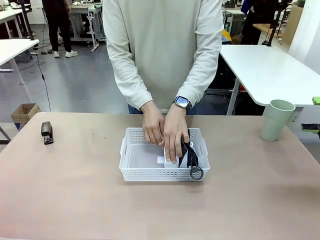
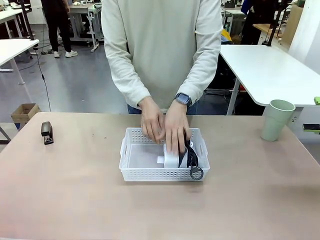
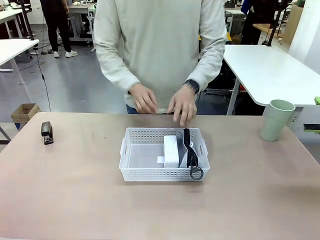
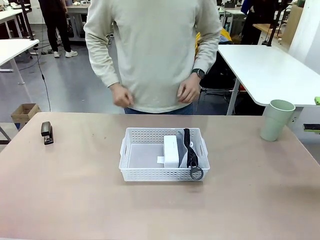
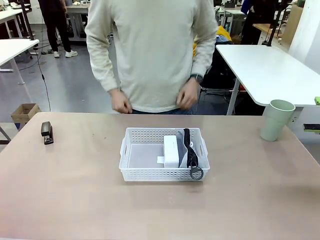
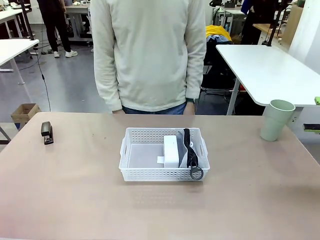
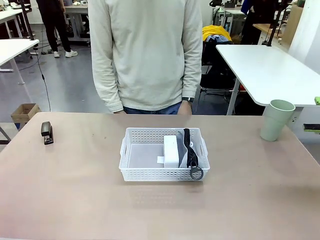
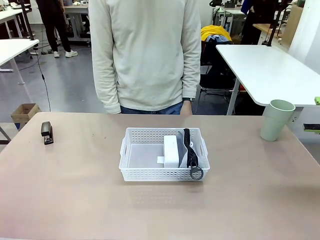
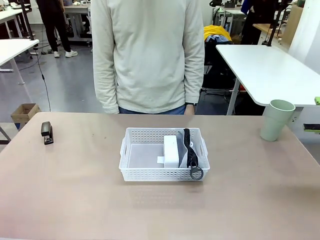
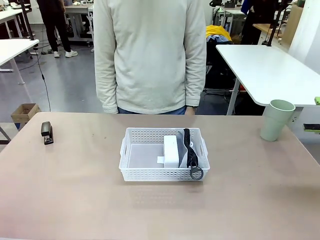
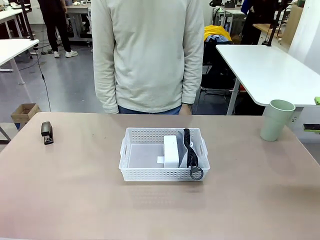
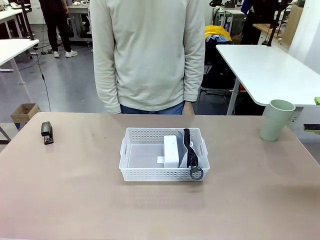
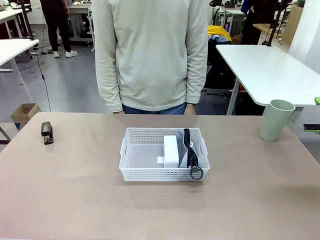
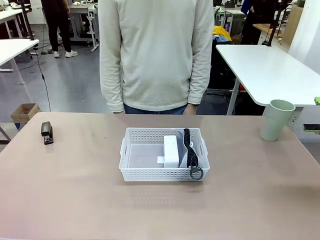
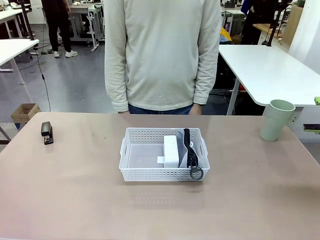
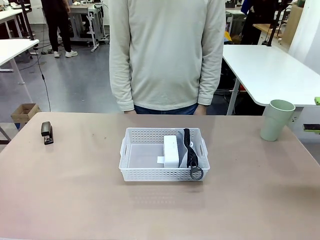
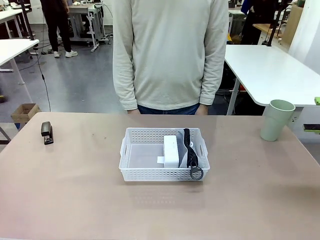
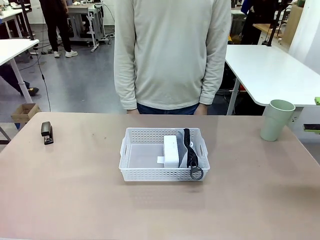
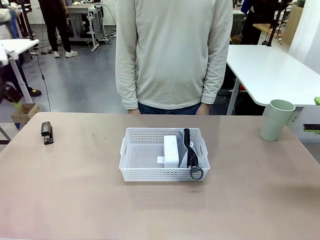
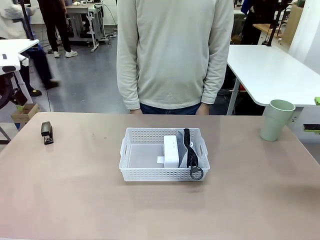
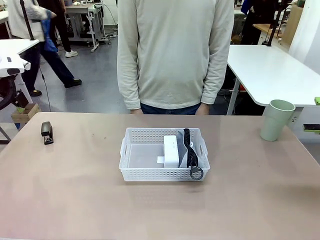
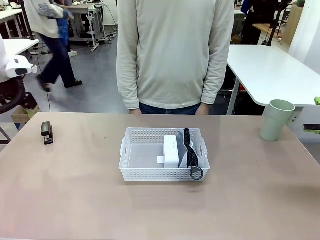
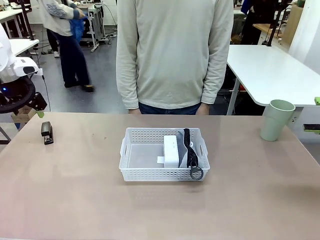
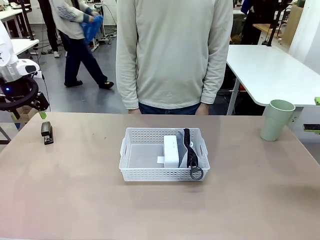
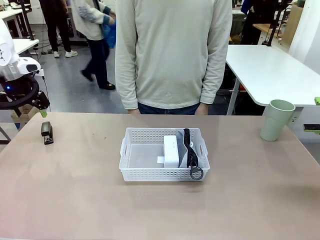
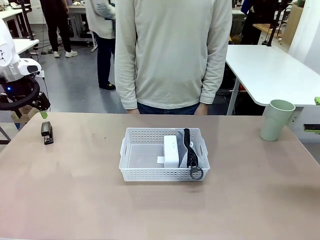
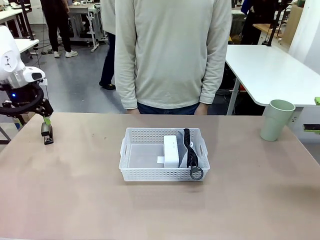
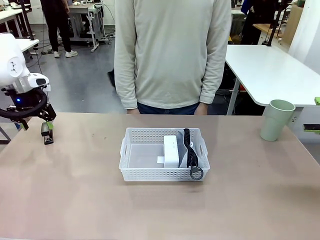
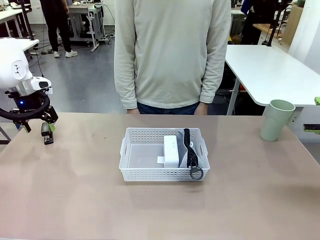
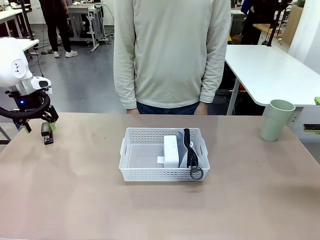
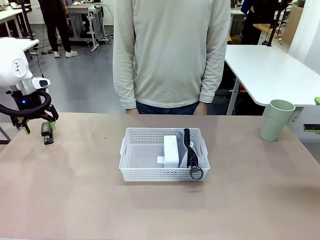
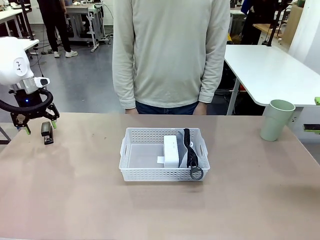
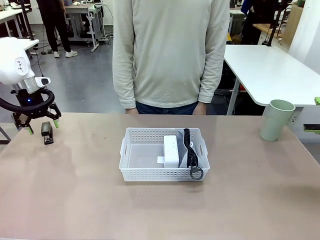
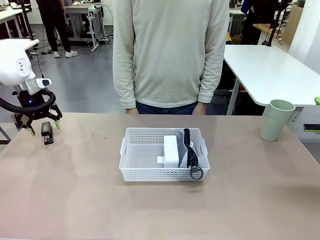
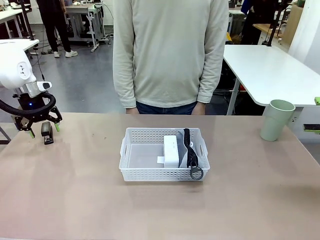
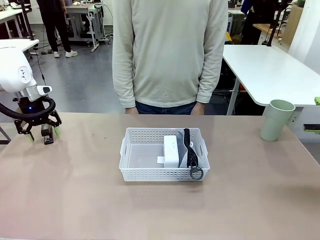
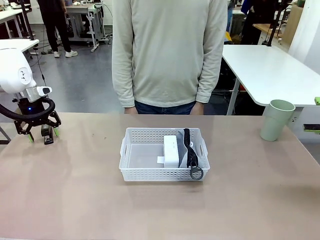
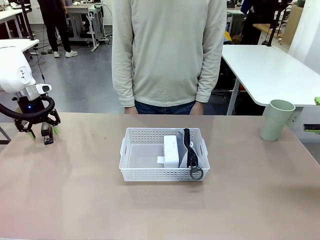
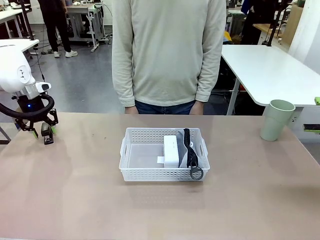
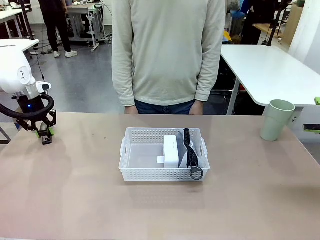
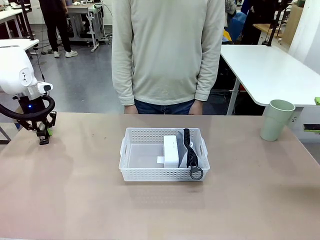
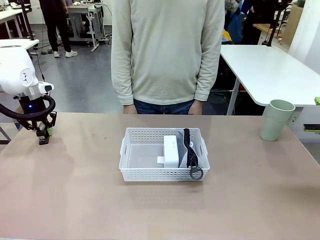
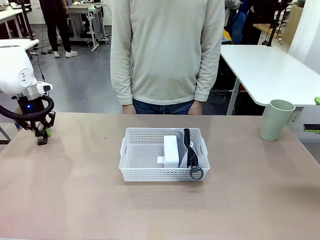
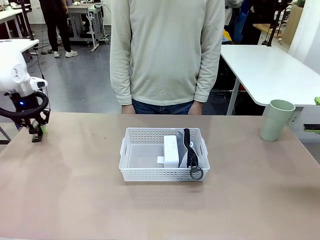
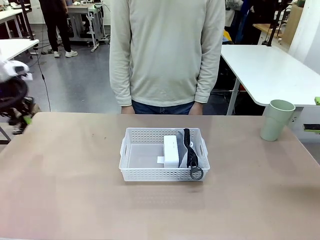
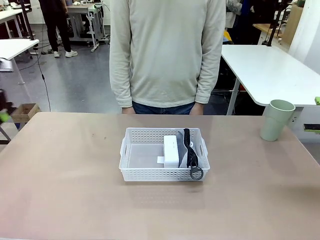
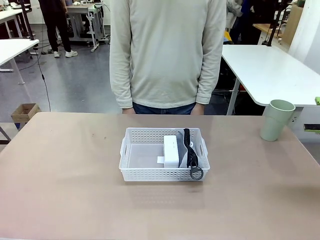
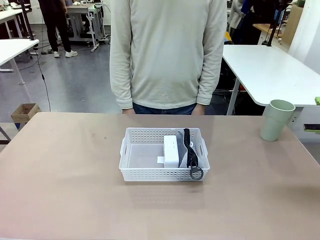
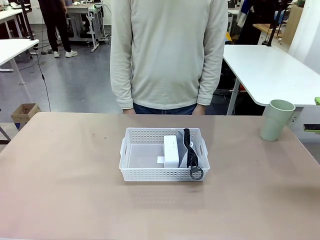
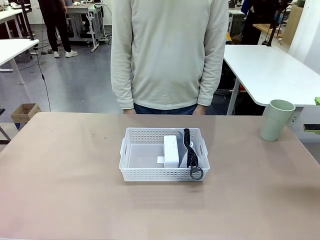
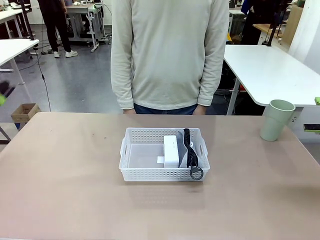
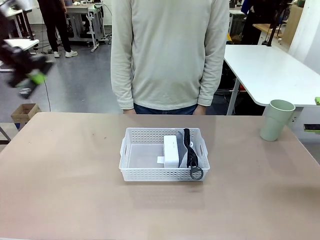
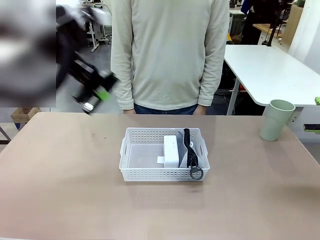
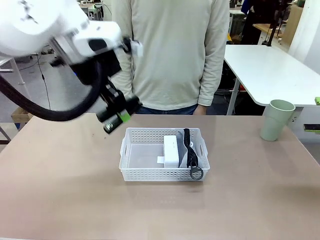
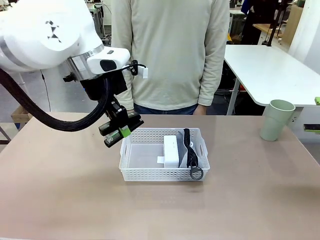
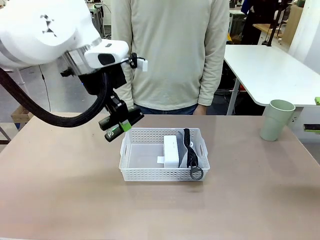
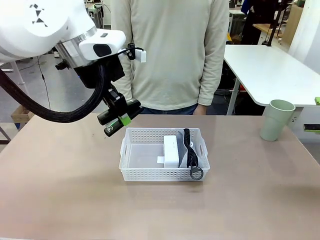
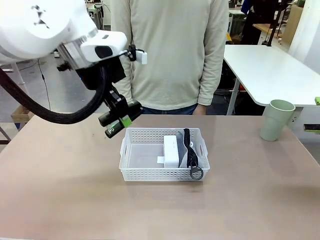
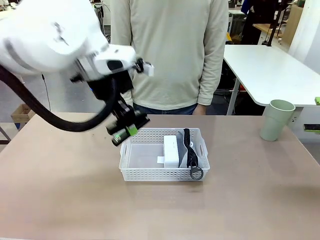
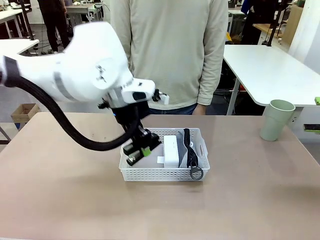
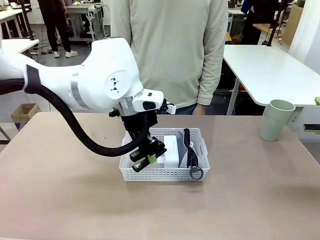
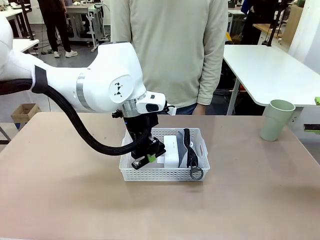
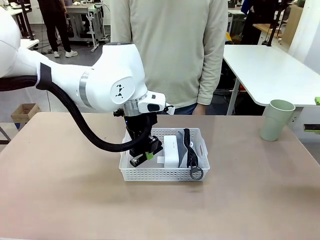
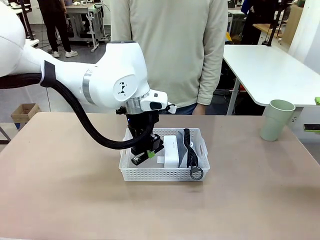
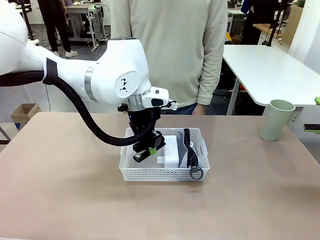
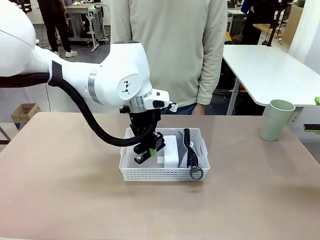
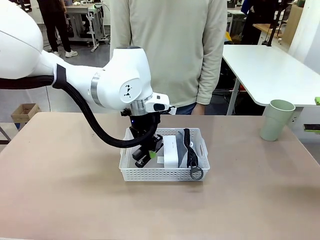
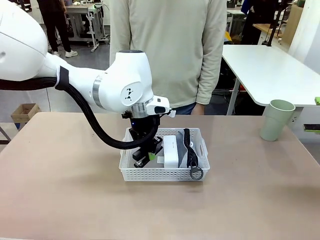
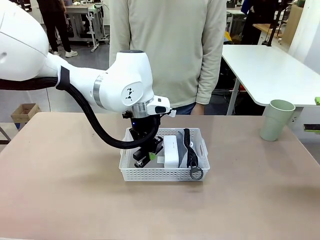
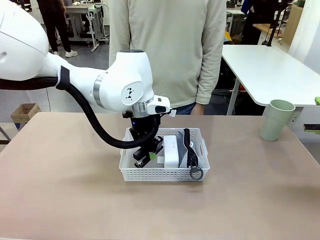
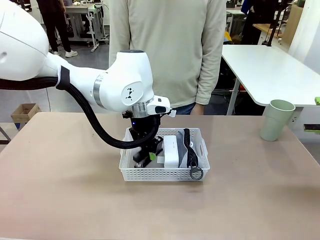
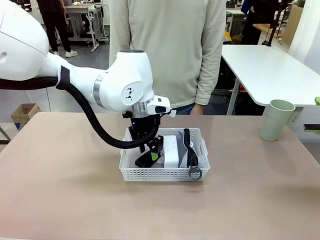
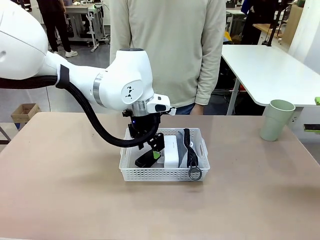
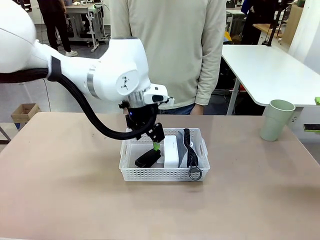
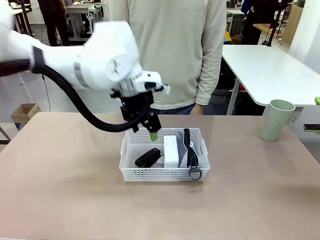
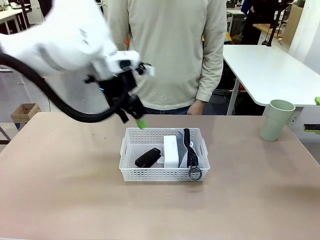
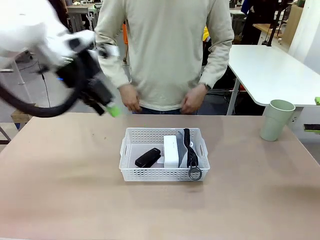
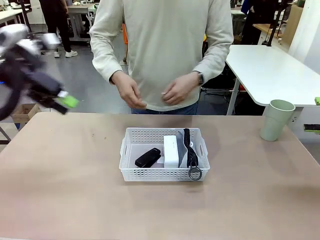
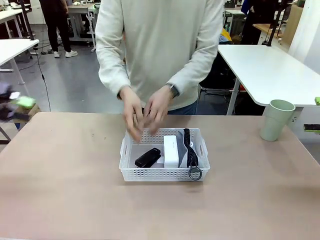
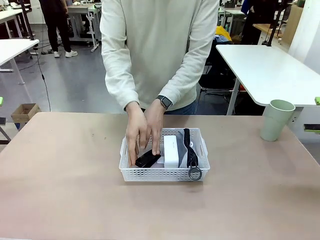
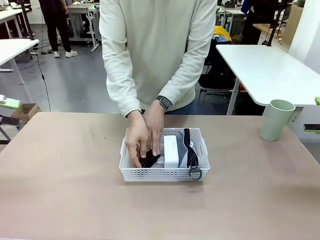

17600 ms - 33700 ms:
Task: Efficiently arrange items inside the basket to fit them all.
Robot: Pick up the Stapler and place it inside the Organizing basket.

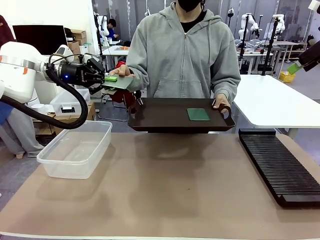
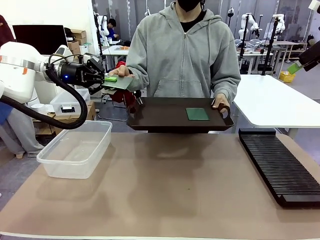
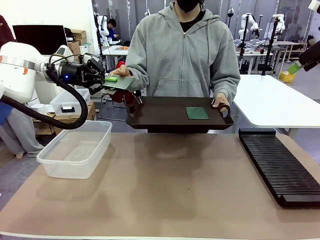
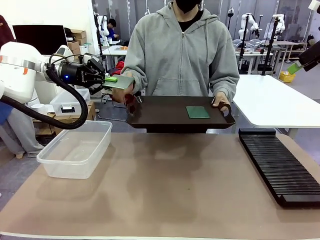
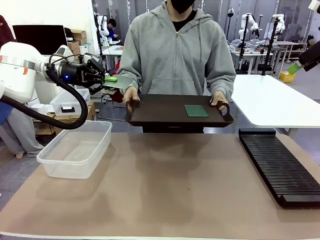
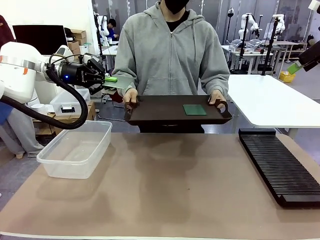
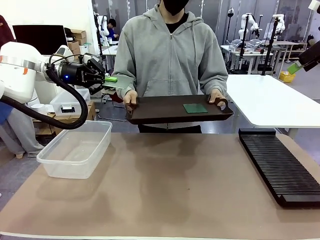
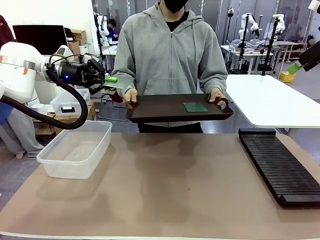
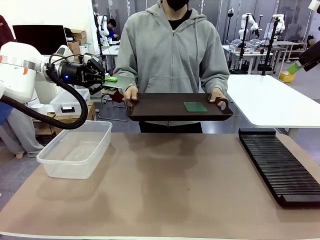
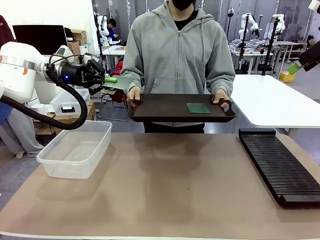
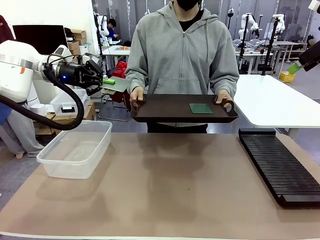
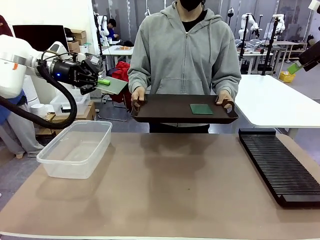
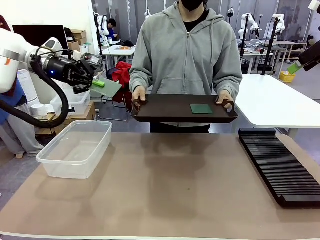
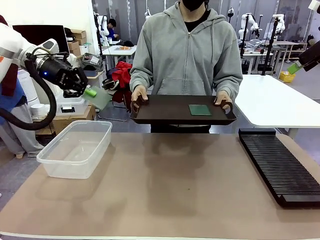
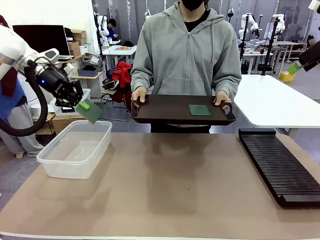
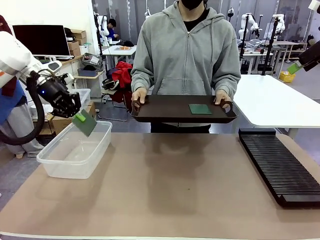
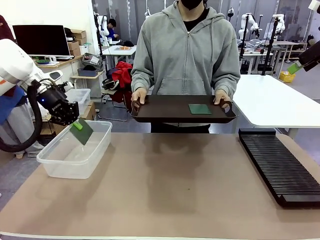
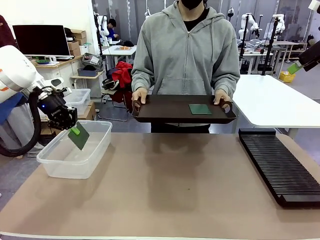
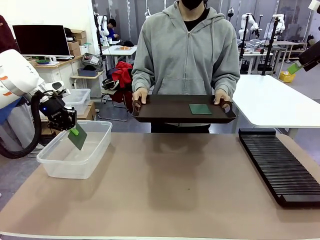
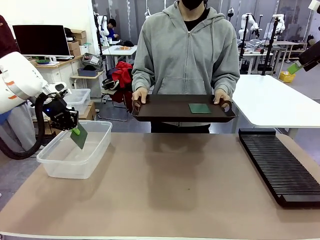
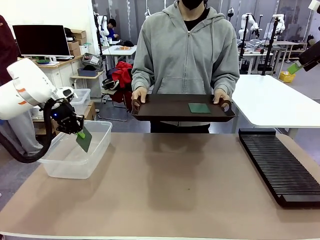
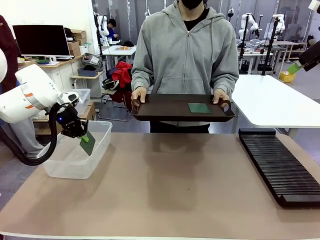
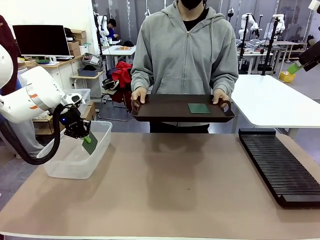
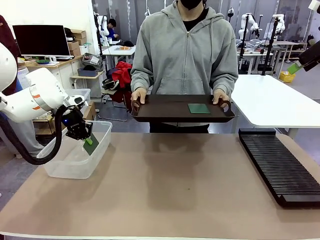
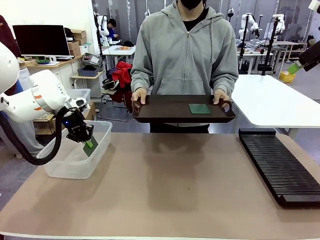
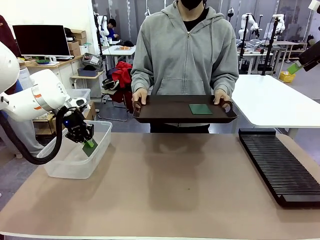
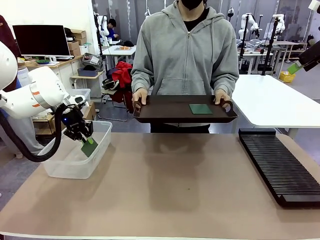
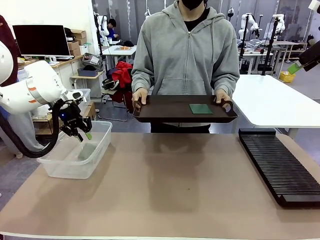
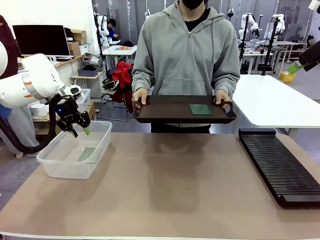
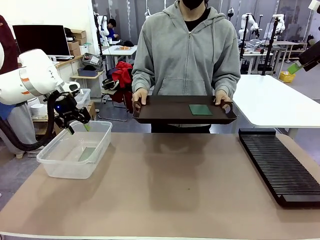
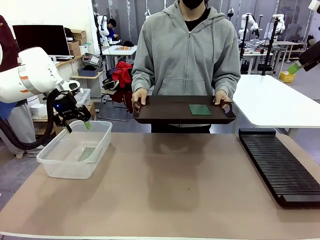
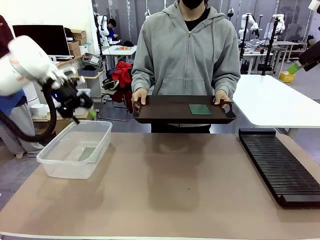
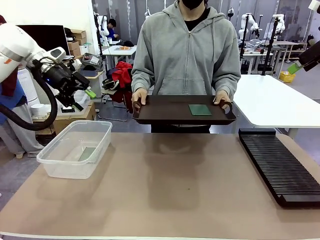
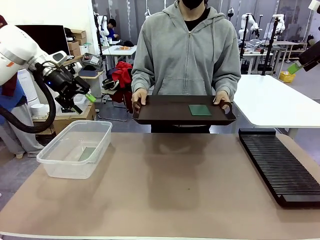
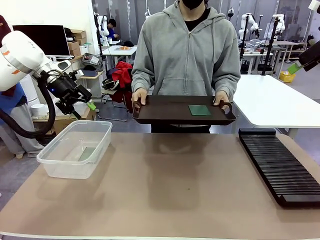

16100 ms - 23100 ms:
Task: Sort PCBs into racks and boxes based on the side picked up.
Robot: If the short side of the Blank PCB is picked up, insert it into the PCB Rack ; if the long side is picked up, place it in the Organizing box.
